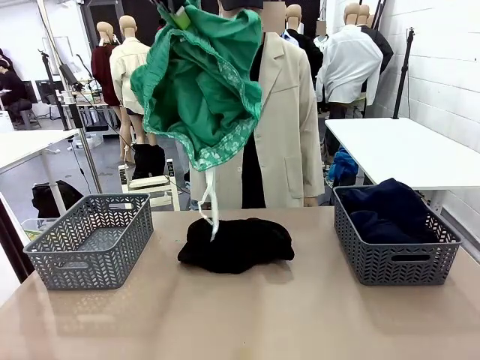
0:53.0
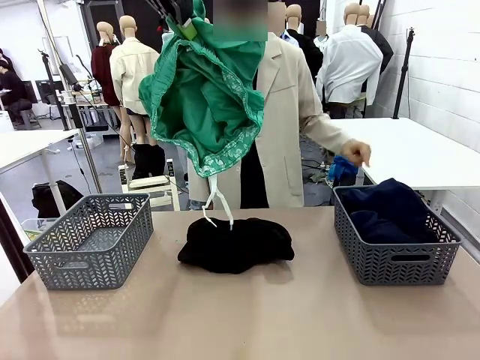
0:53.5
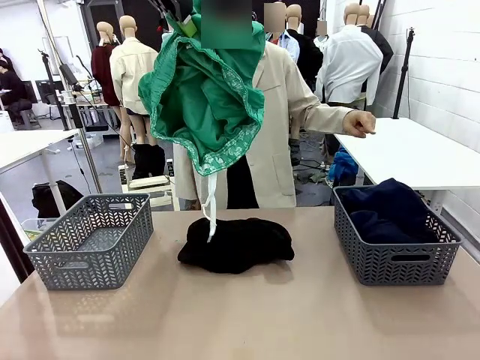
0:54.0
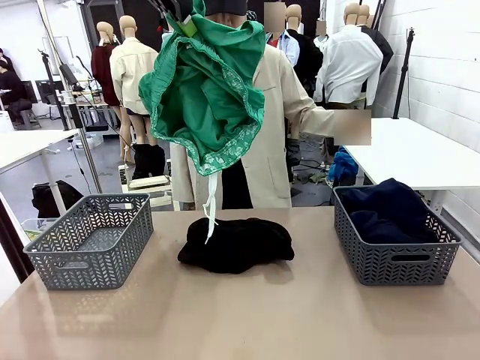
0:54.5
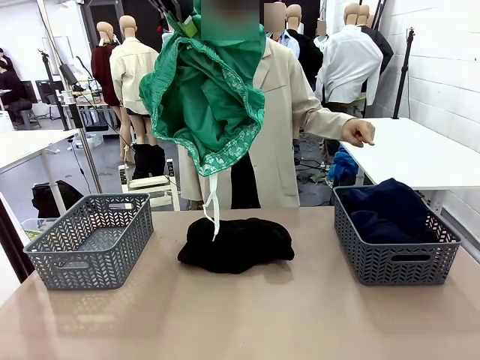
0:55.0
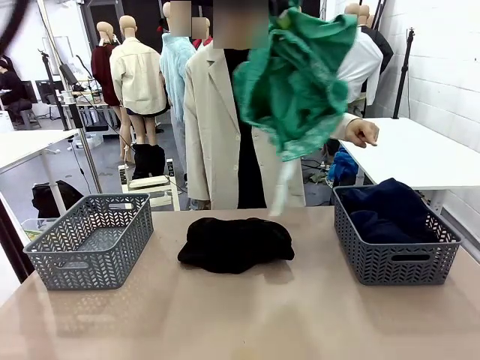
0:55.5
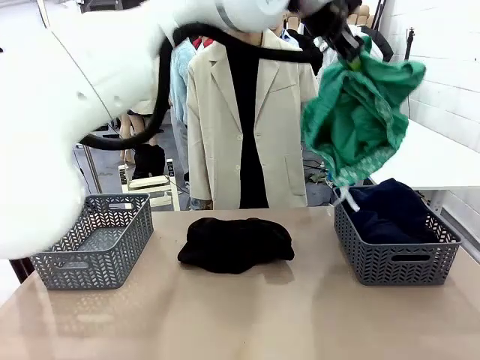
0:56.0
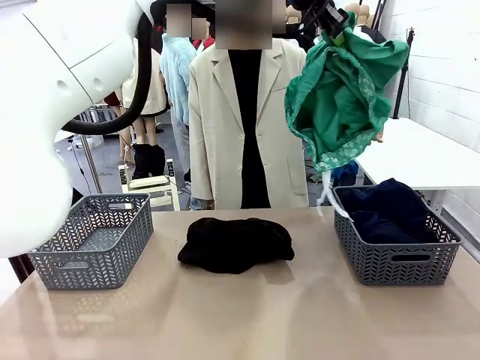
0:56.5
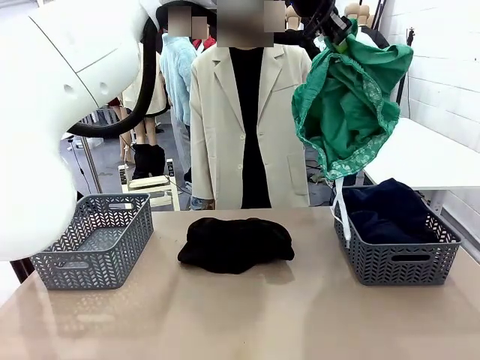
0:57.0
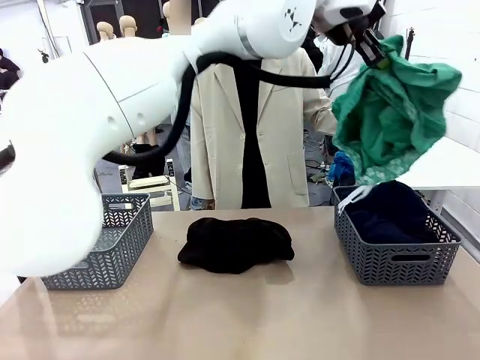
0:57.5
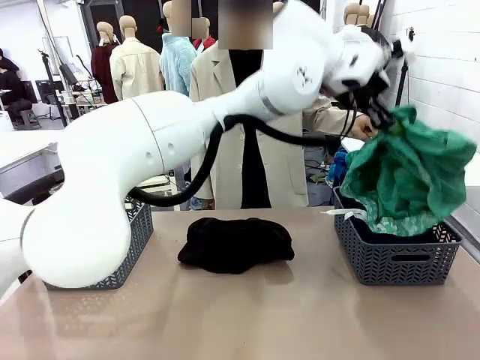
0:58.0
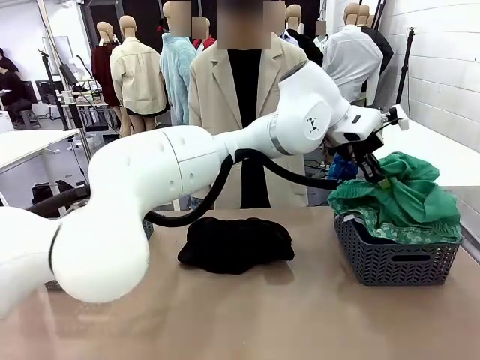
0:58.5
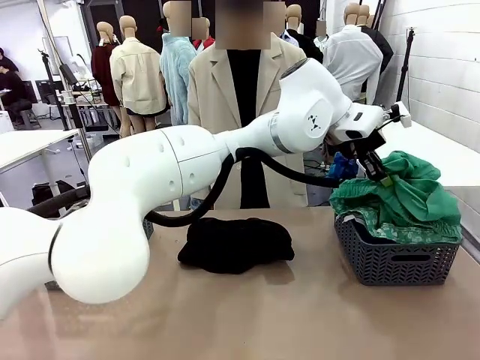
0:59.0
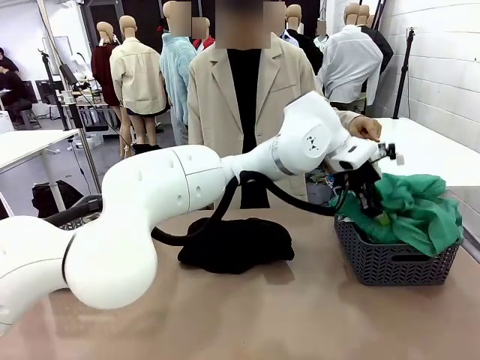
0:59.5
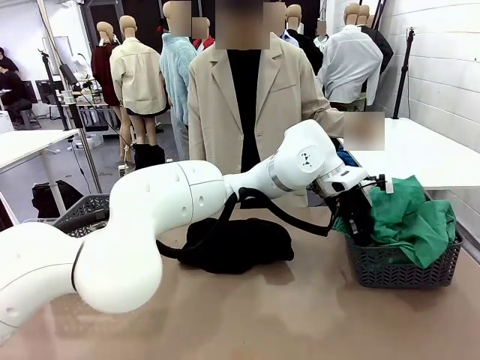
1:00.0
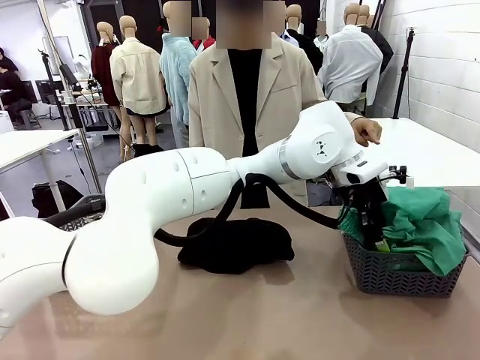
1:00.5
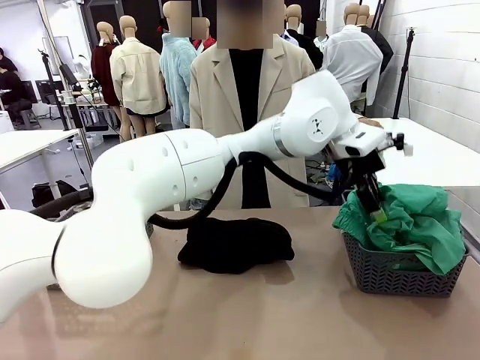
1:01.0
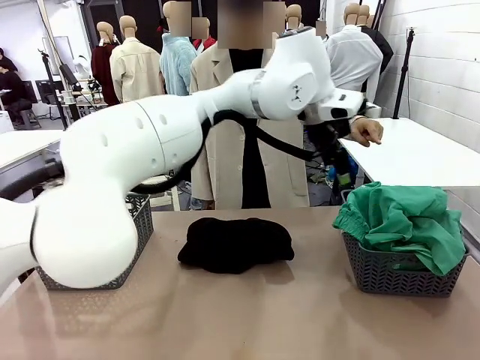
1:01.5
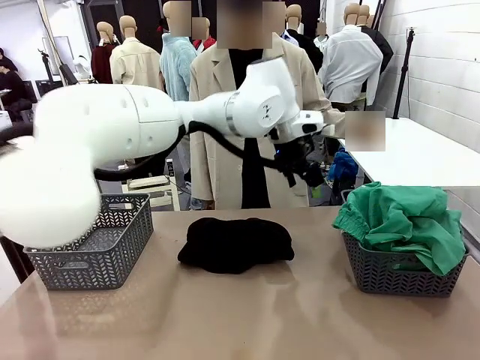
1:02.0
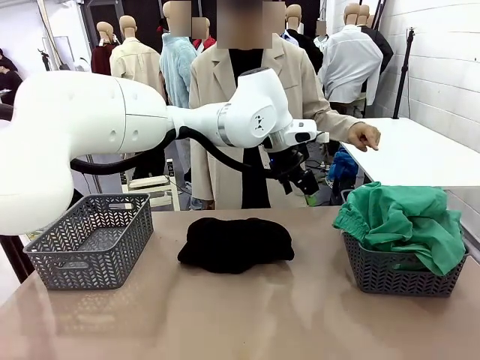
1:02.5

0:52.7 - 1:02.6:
Task: Sort the tops and bottoms.
Robot: Sort the clothes according to human instructions.

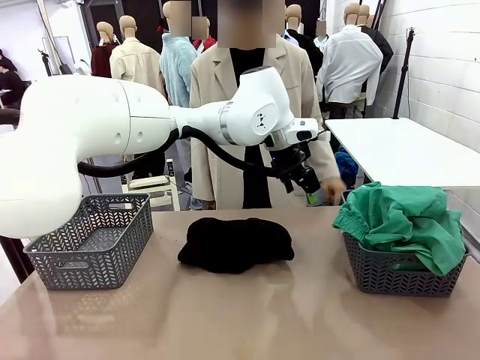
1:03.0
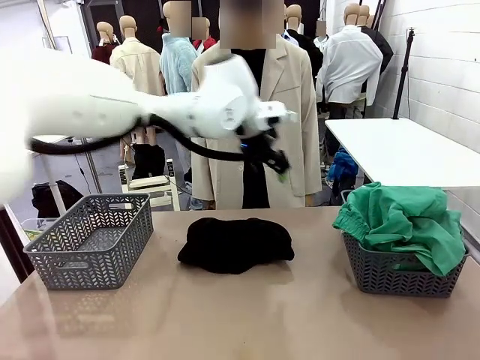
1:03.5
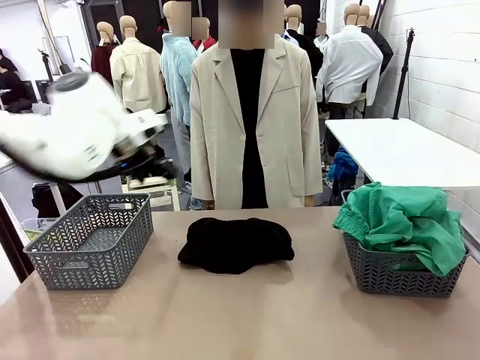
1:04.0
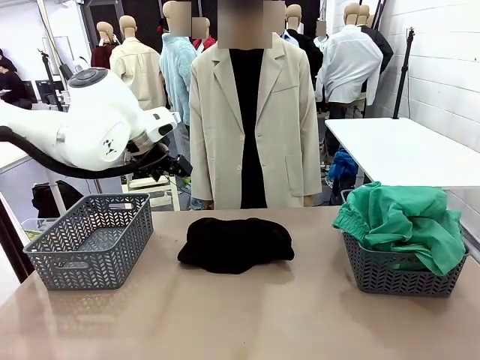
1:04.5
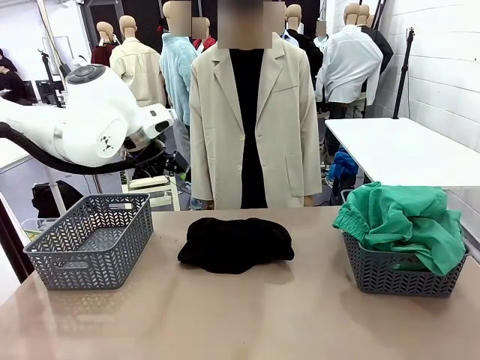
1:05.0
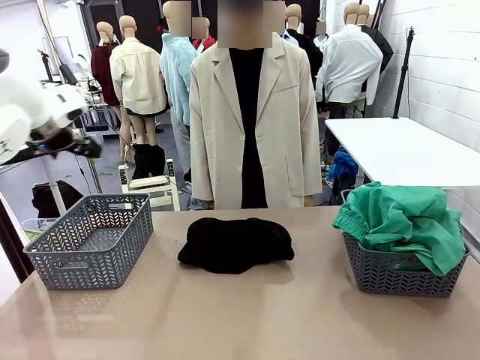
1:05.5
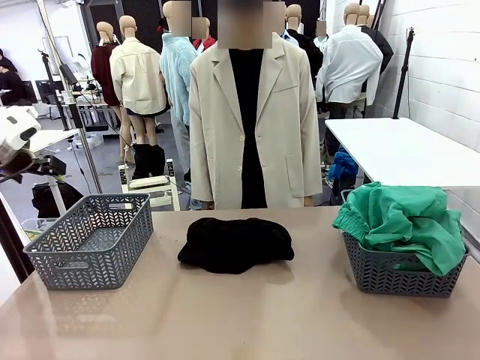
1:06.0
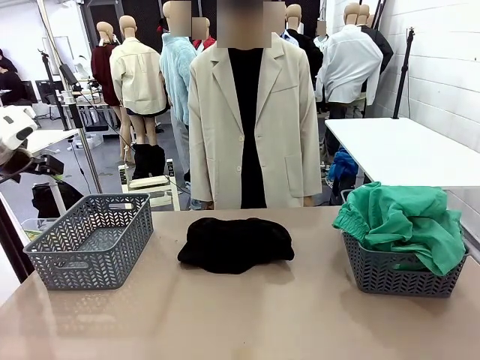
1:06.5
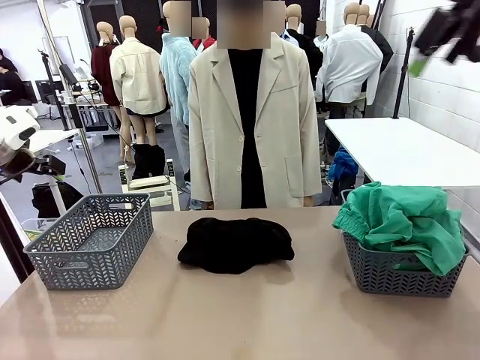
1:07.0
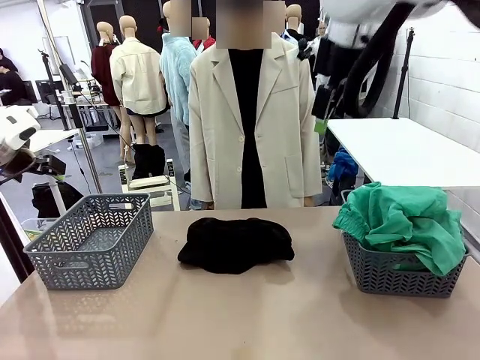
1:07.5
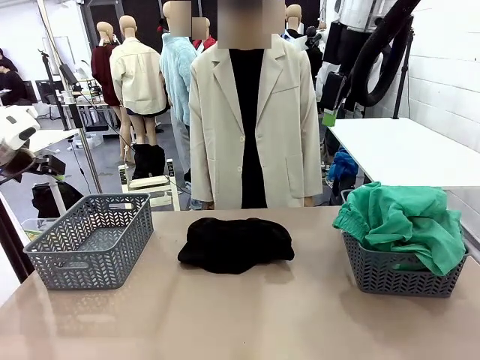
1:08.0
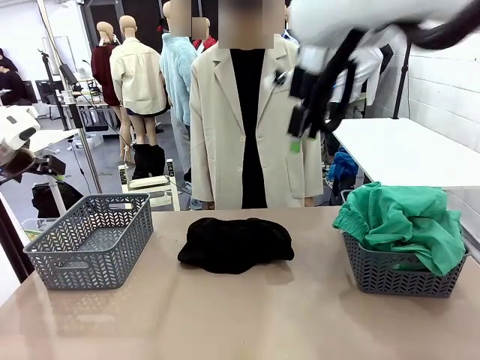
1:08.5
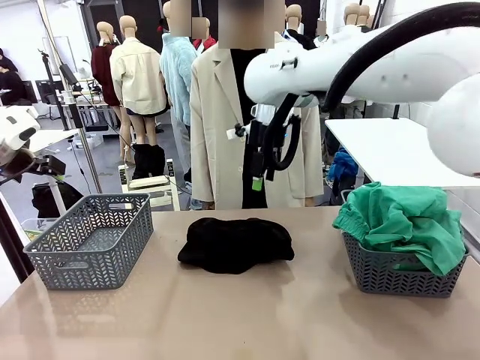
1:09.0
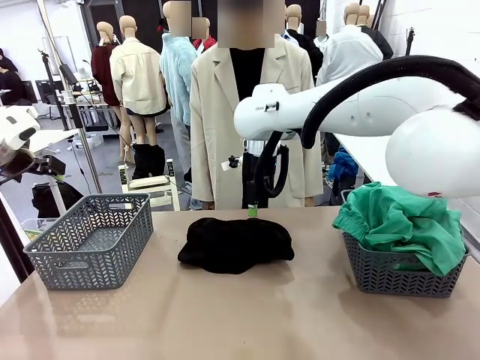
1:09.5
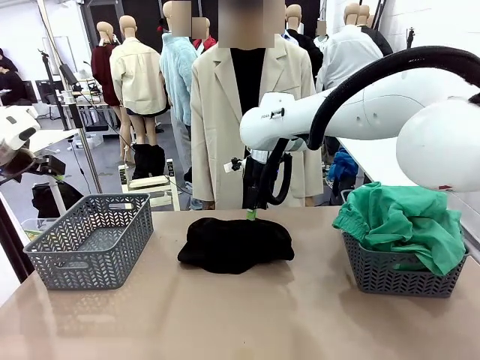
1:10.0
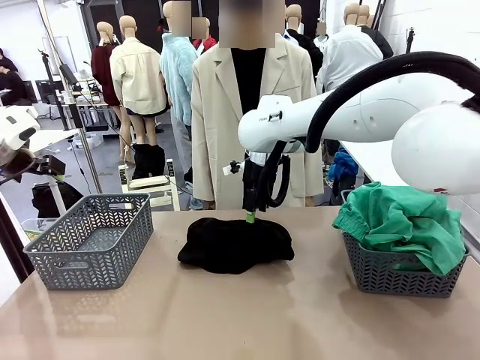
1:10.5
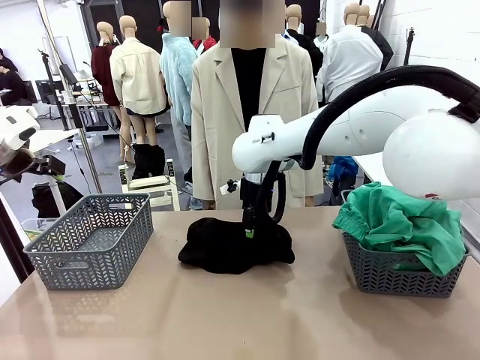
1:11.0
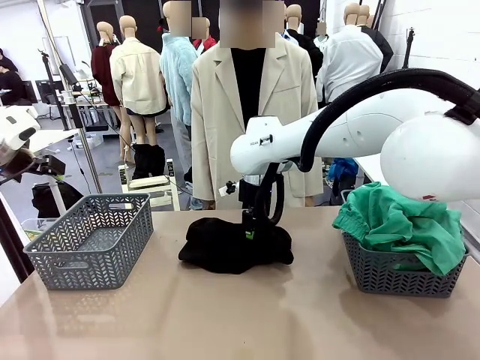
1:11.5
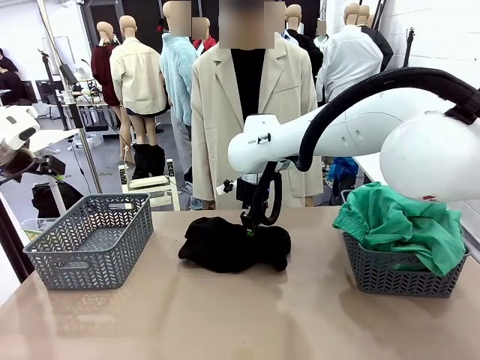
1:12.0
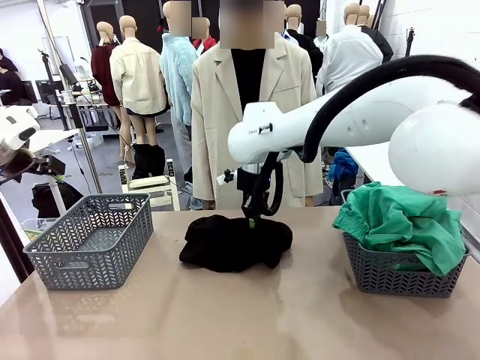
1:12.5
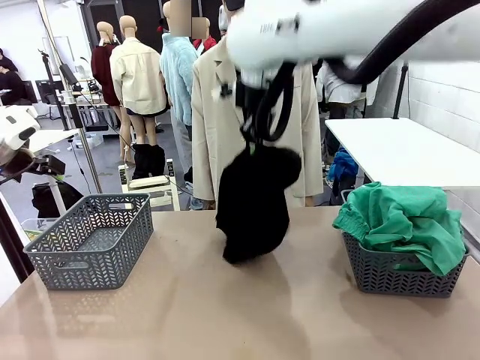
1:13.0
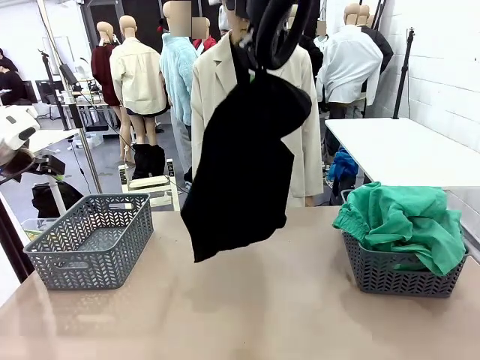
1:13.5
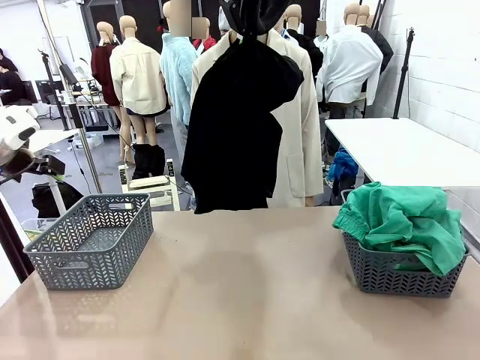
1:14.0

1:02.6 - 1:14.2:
Robot: Lift clothes from the center of the table with your right hand.

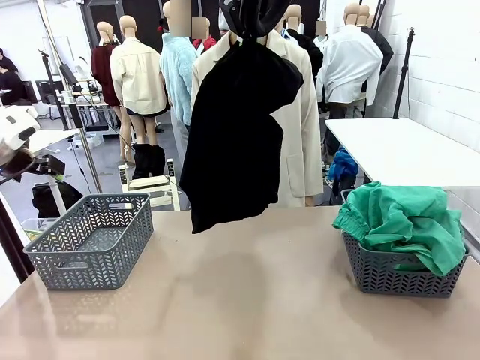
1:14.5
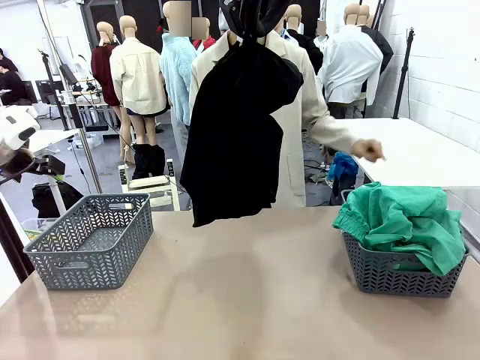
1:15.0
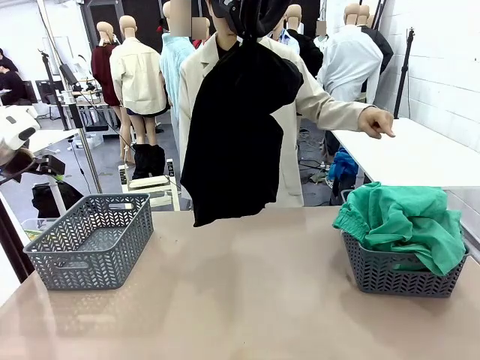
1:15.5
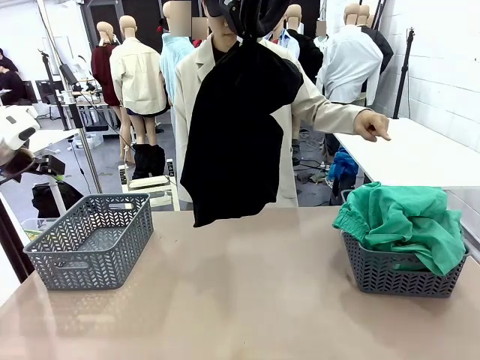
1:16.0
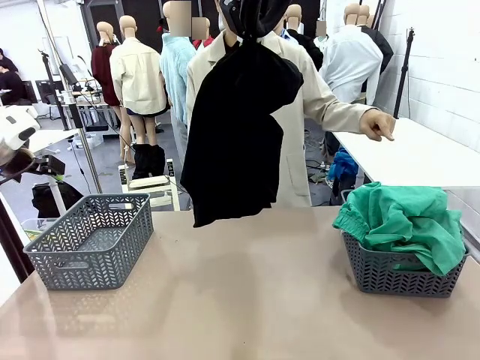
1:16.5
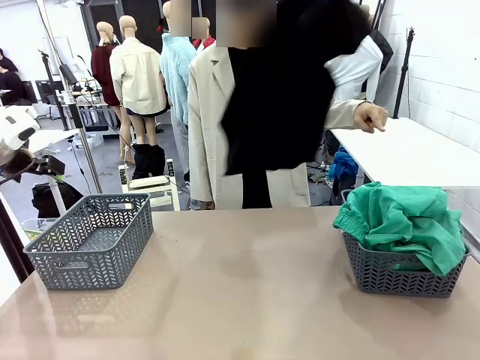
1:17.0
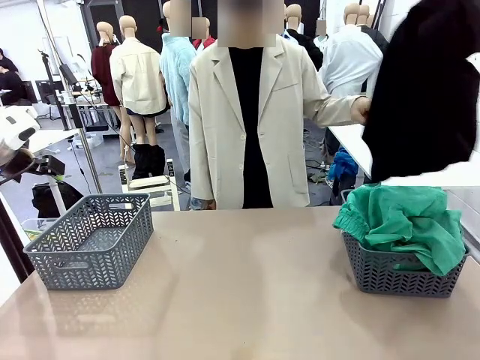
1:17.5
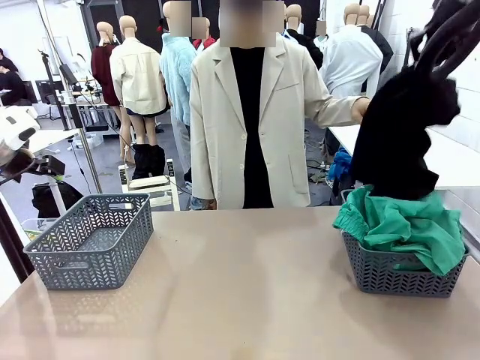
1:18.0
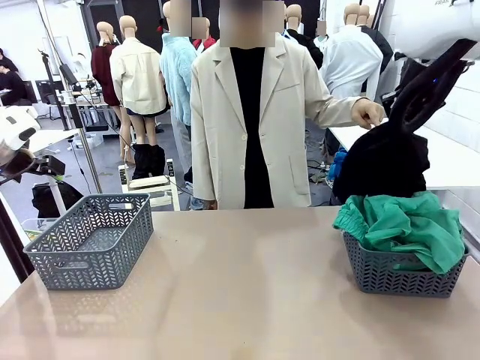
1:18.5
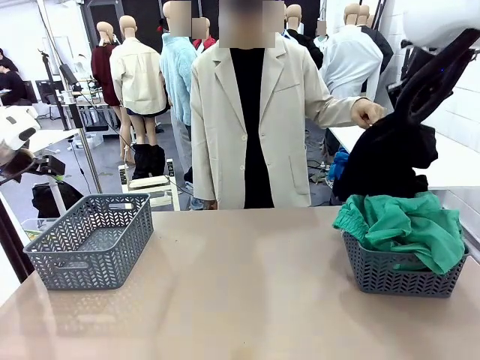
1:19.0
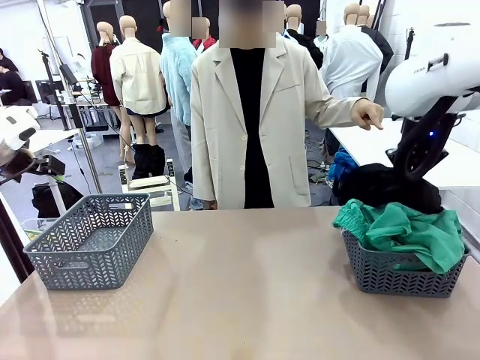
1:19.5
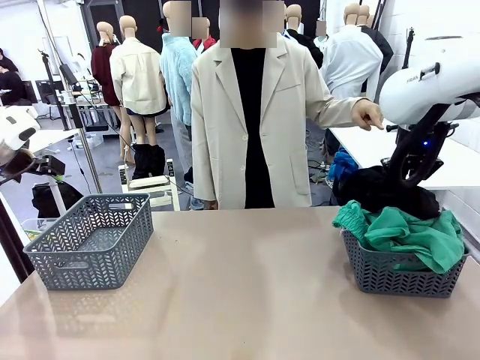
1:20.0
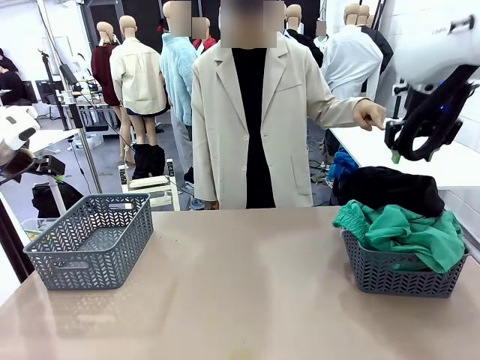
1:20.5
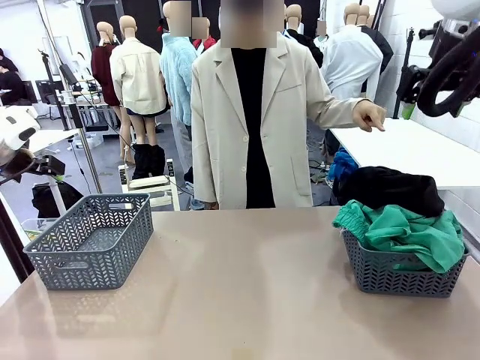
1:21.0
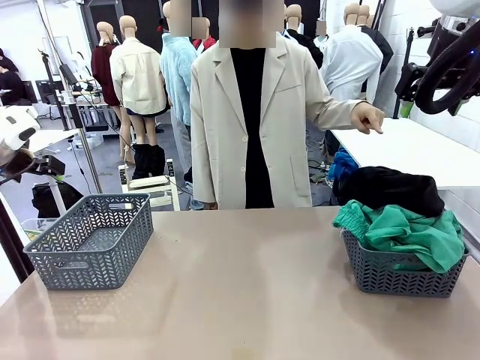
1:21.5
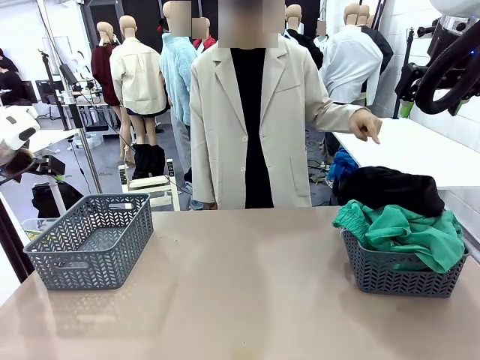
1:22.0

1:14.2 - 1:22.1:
Robot: Sort the clothes according to human instructions.
